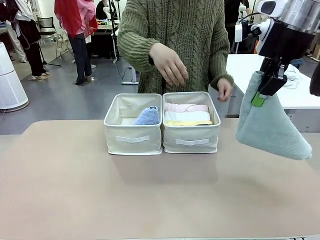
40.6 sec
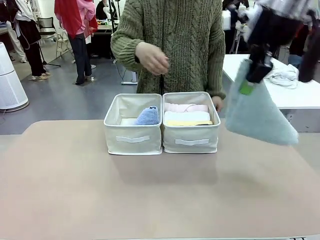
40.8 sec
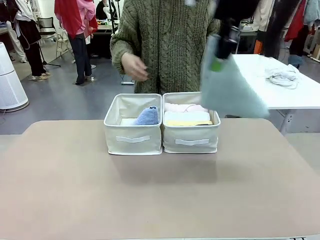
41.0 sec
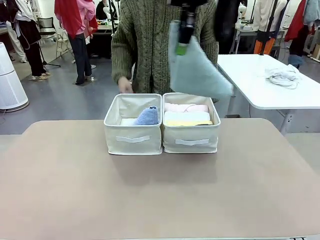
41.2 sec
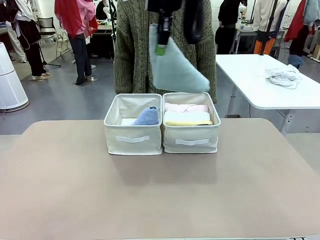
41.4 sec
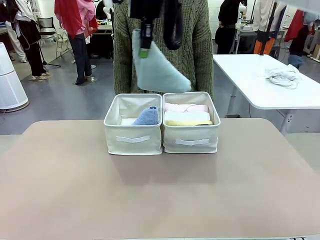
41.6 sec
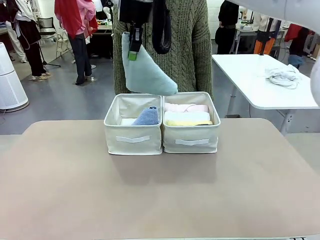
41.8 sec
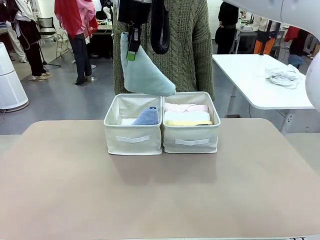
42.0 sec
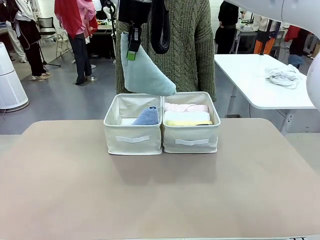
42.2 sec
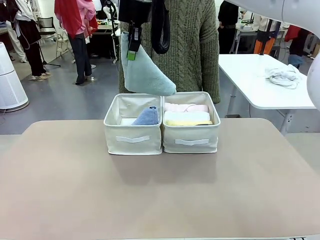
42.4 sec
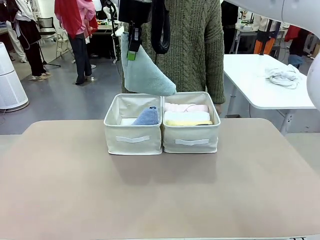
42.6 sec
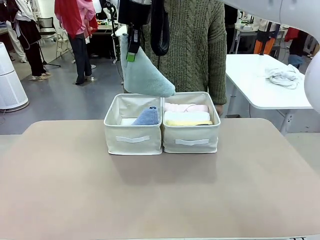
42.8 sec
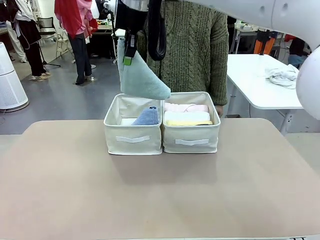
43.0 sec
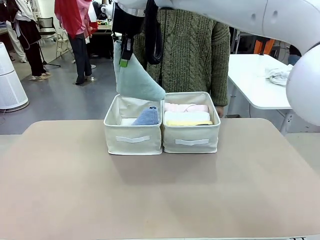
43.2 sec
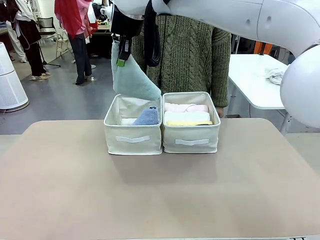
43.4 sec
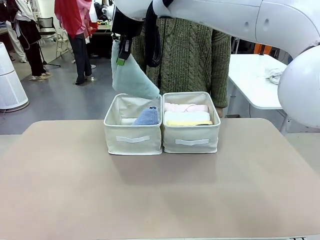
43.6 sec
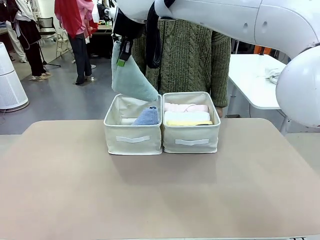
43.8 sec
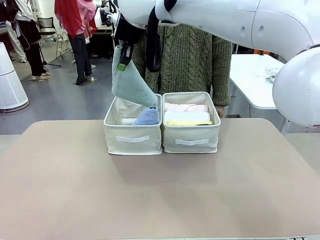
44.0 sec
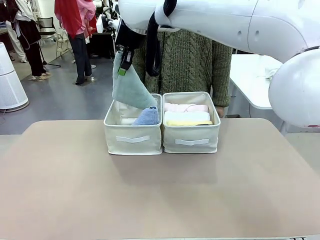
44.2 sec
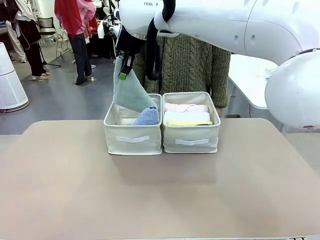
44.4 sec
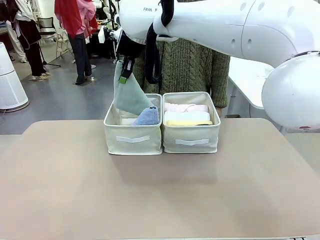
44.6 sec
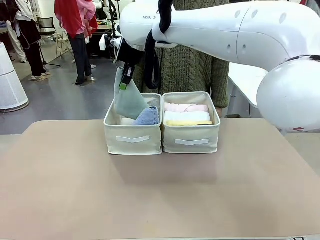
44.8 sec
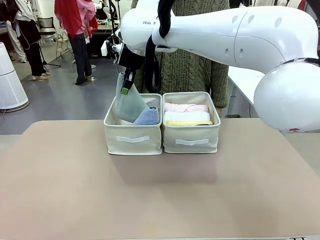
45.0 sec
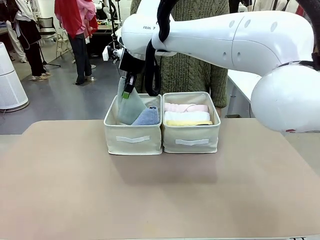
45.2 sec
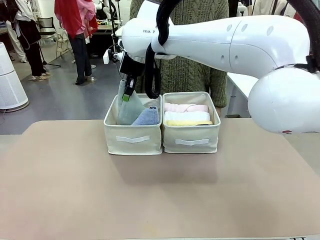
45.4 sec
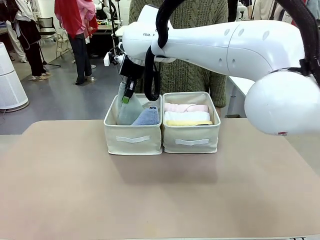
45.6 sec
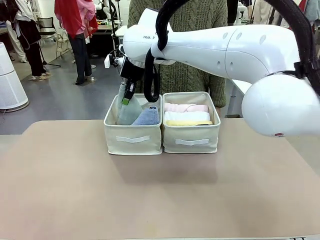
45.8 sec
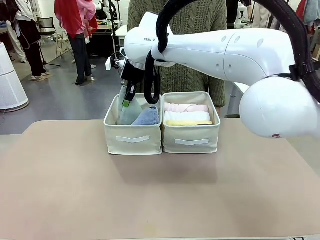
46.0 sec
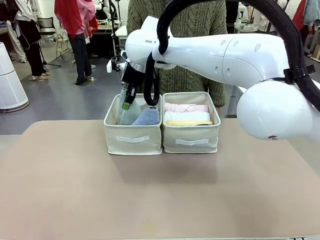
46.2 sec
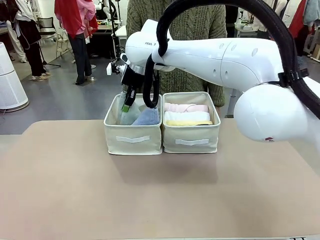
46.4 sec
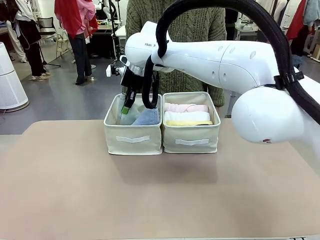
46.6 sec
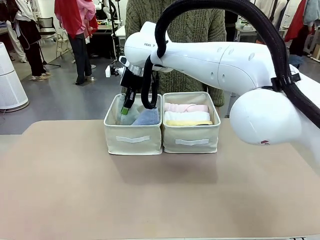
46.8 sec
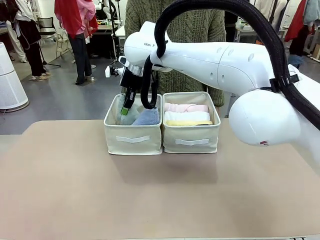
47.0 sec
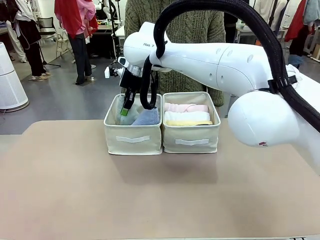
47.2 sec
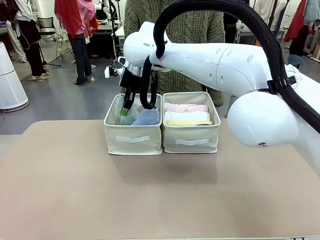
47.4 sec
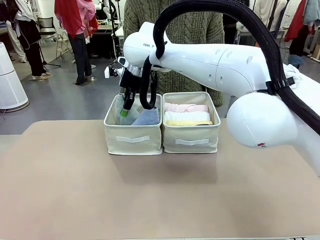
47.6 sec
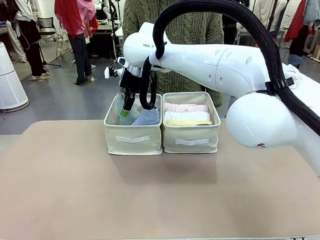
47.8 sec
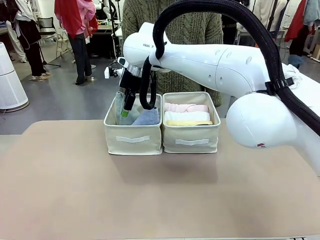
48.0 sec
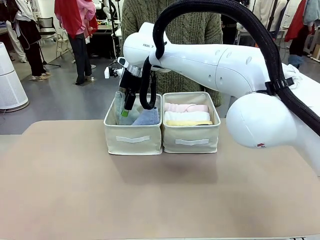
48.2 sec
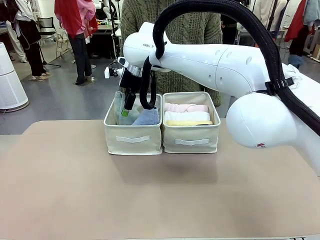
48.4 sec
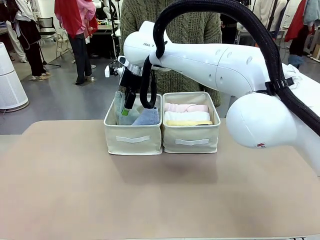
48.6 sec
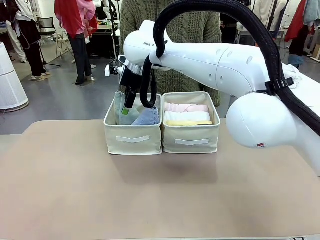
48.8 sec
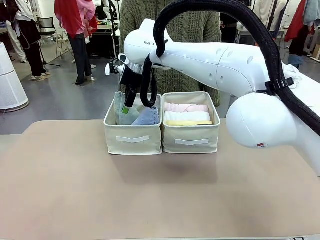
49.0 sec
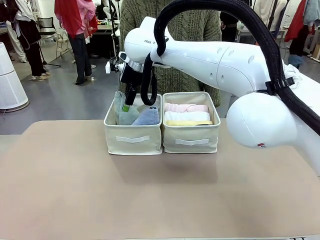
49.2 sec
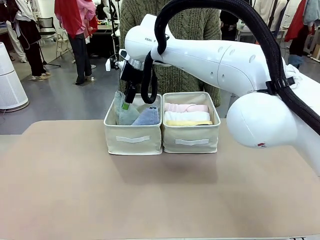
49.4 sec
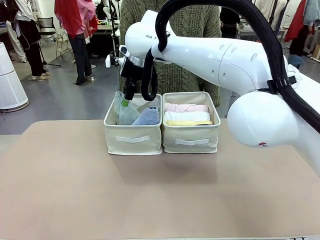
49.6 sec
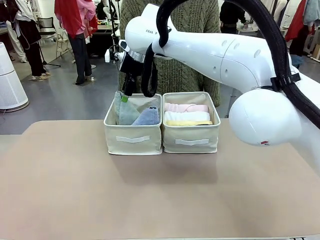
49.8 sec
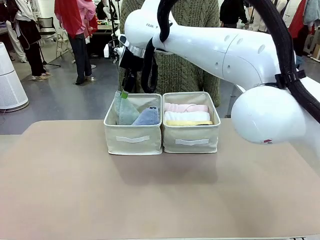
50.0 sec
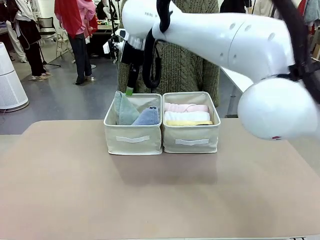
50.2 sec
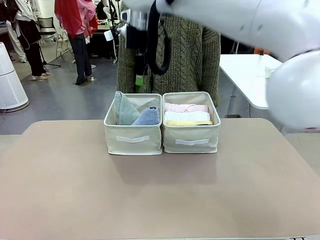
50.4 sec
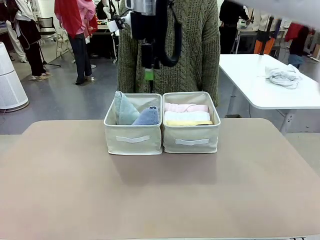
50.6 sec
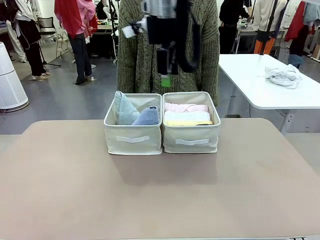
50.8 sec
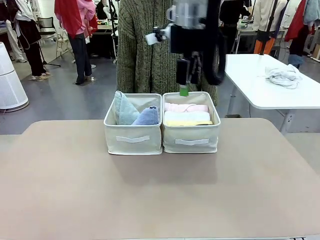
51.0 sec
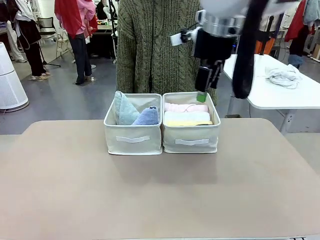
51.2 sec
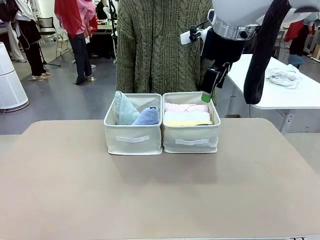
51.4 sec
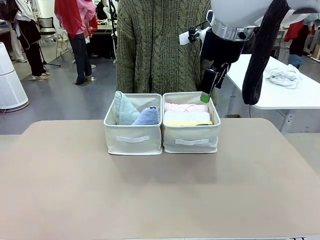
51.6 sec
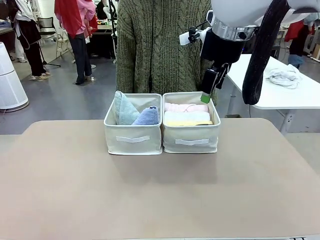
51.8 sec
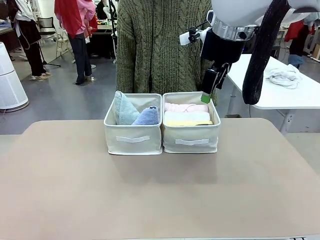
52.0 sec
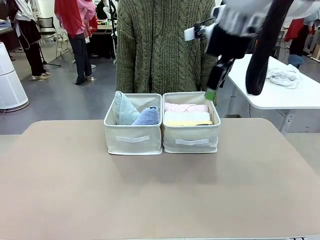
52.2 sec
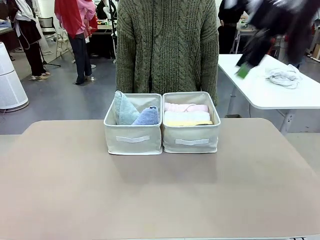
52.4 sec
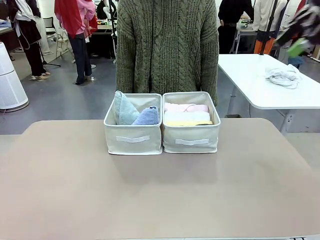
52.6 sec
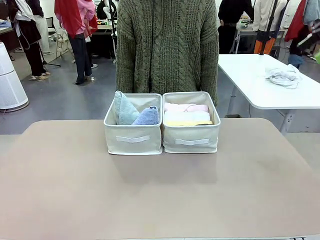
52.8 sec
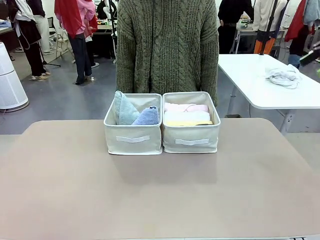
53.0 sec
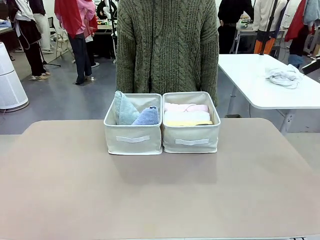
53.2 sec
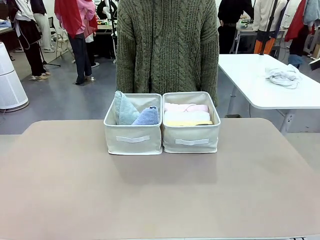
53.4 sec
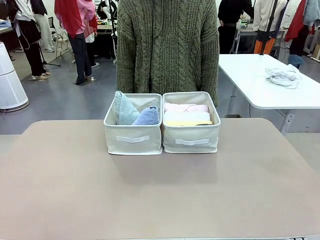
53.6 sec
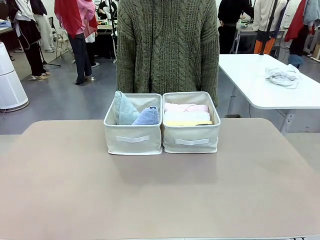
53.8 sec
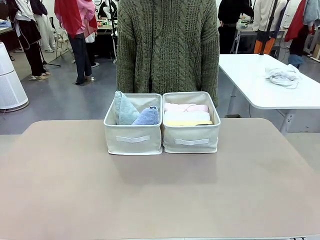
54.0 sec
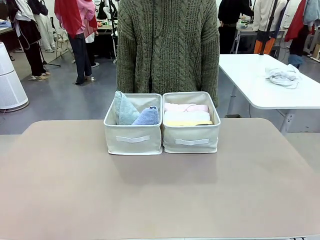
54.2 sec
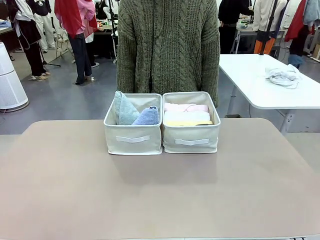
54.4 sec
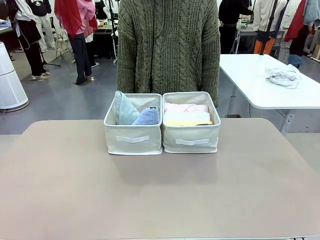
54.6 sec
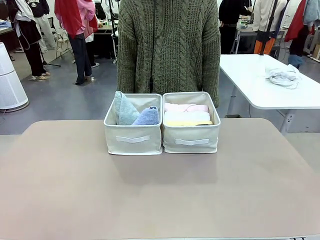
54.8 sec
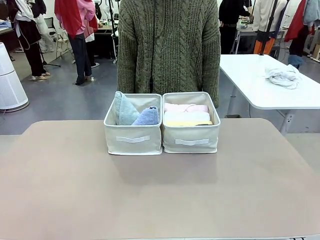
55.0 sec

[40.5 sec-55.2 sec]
Task: Sort the towels based on their folding style.
Robot: Pick up another triangle-folded towel from the table and place it in the left Fabric basket.

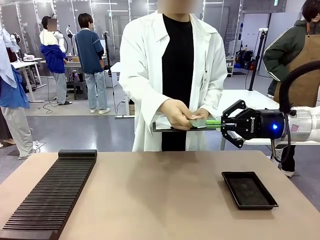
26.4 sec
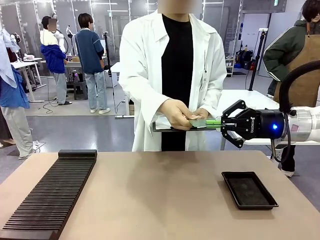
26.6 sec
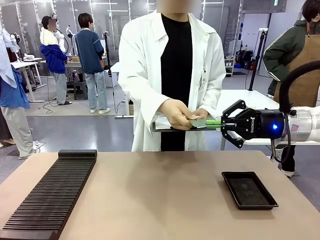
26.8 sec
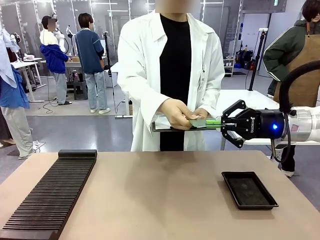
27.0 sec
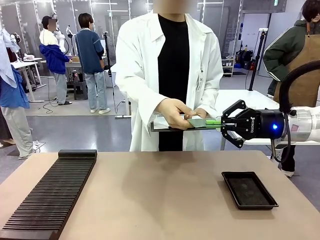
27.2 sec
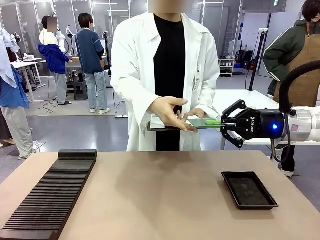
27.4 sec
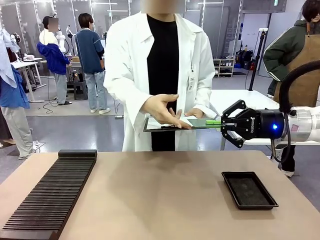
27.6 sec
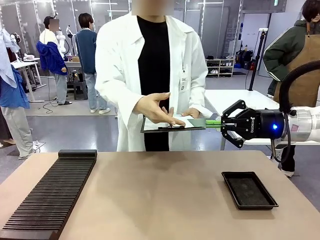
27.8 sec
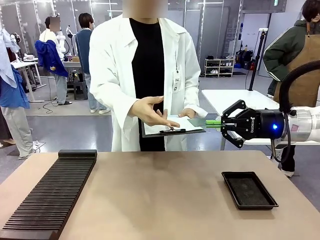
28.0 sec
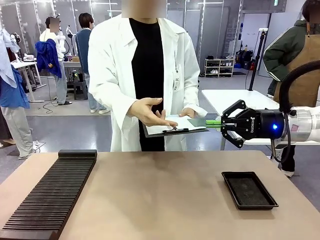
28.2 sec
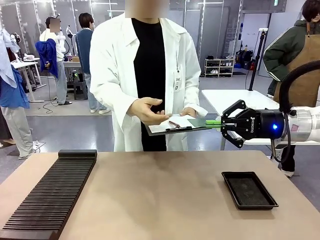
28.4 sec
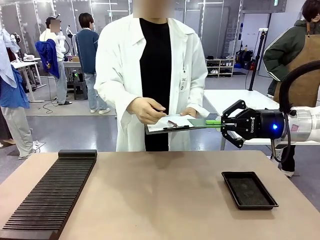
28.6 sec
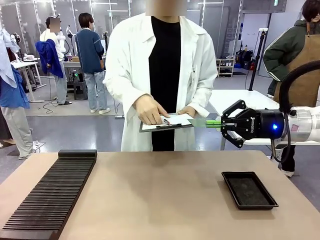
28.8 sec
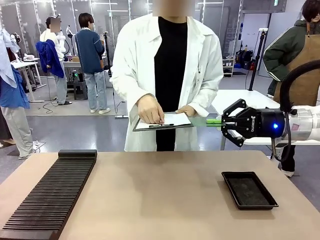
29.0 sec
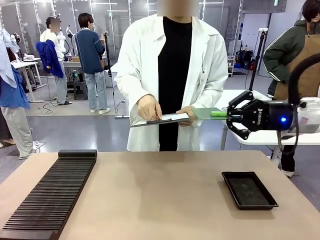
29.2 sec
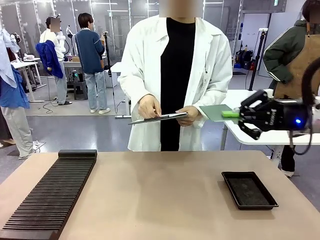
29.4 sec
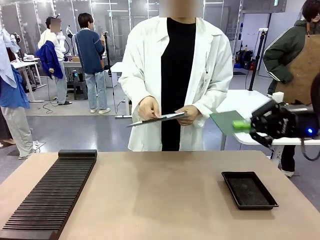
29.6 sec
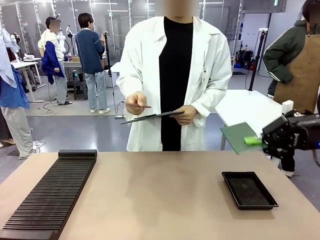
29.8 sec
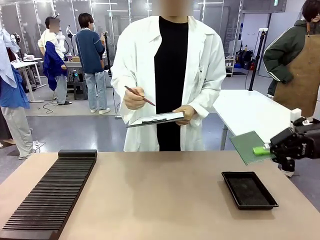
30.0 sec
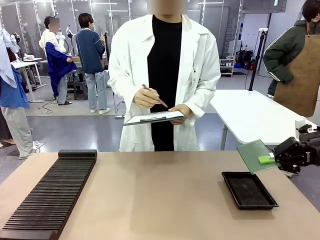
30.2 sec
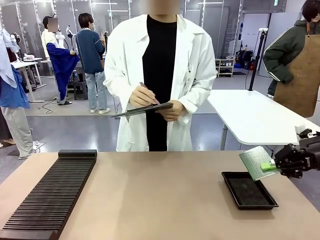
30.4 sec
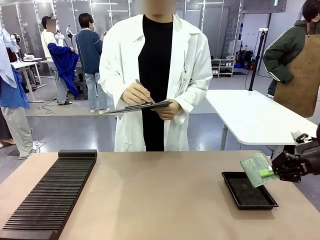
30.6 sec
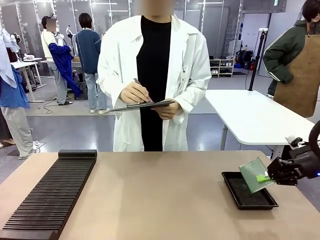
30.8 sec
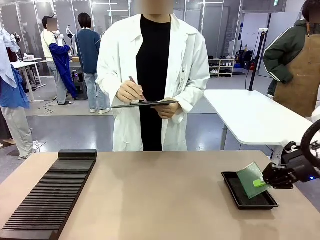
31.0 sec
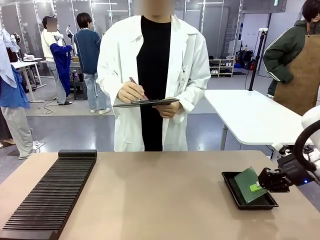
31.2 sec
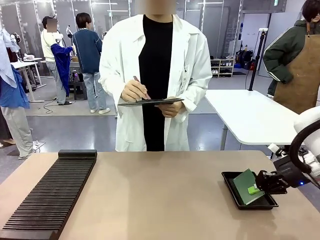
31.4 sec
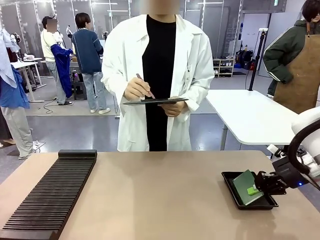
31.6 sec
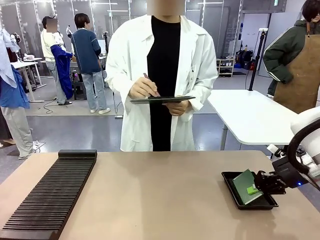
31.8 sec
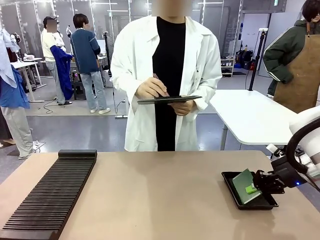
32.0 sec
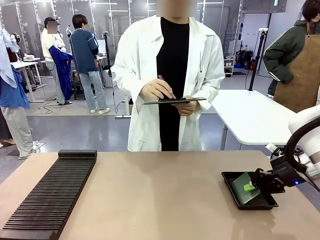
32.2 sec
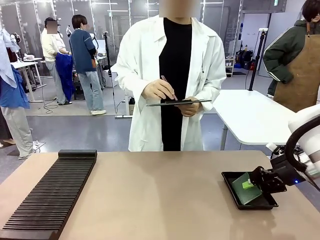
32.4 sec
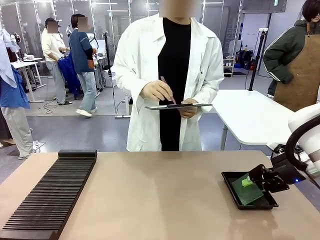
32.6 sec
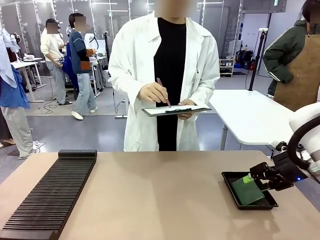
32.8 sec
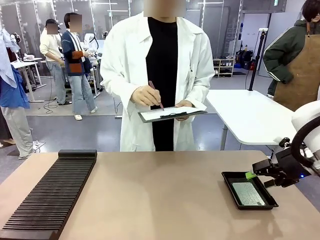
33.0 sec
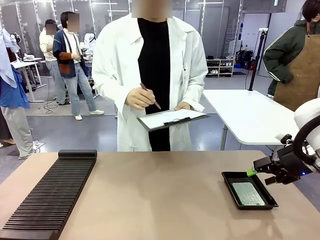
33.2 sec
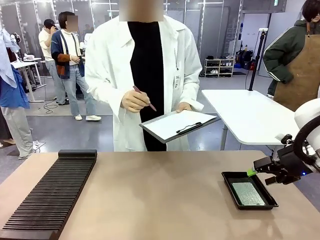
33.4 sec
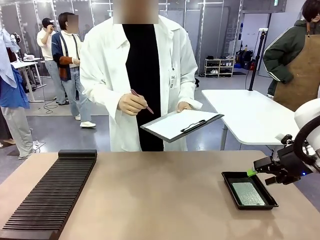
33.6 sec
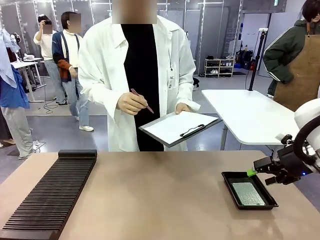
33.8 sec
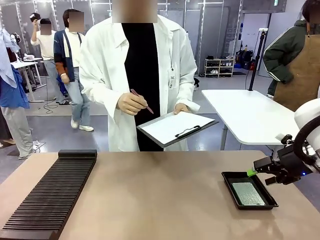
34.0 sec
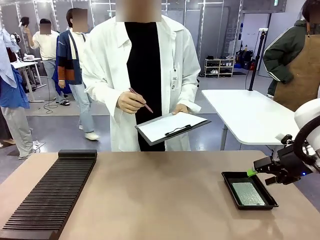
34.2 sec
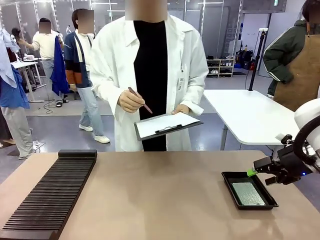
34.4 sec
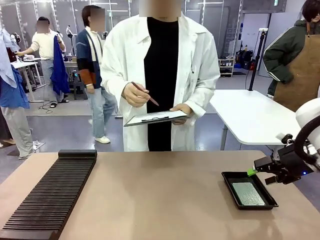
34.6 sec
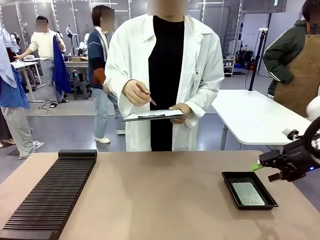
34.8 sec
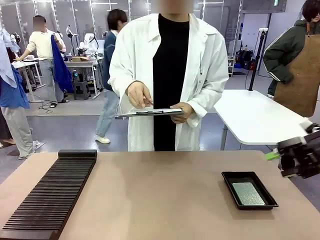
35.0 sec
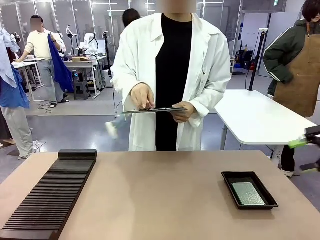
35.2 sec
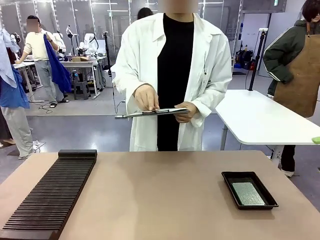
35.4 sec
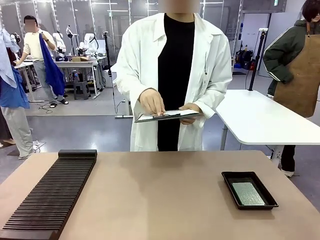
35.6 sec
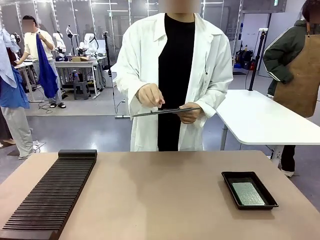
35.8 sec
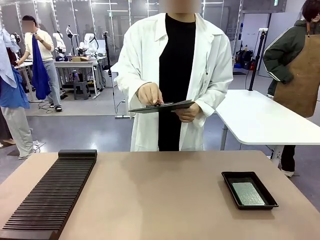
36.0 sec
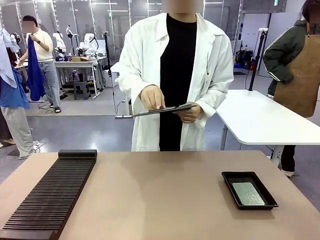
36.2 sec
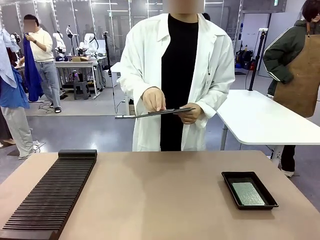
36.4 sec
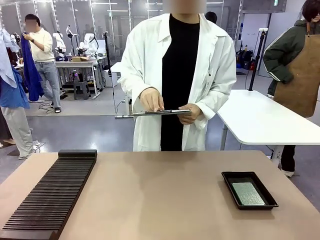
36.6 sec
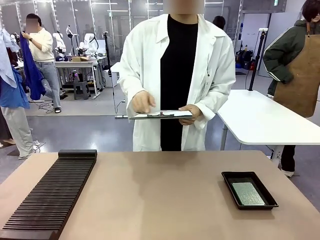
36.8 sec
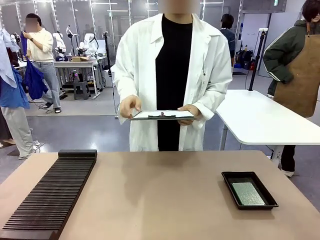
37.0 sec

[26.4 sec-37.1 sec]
Task: Inspect the PCB.
Robot: Place the Blank PCB in the ESD tray.
Person: Record the PCB status on the paper.
